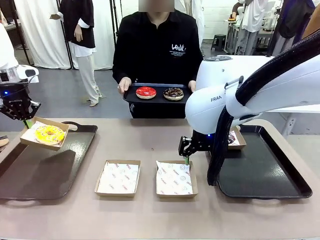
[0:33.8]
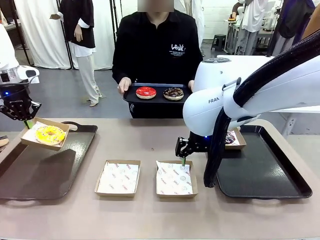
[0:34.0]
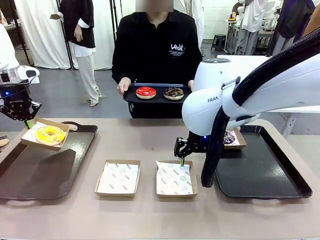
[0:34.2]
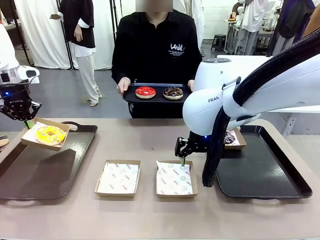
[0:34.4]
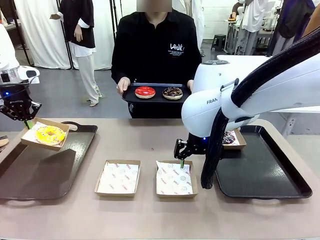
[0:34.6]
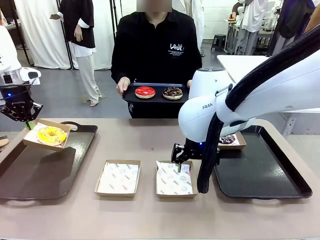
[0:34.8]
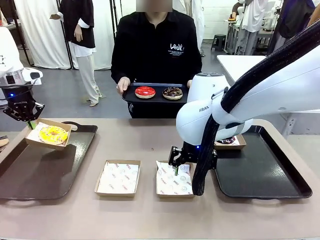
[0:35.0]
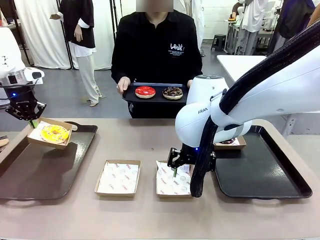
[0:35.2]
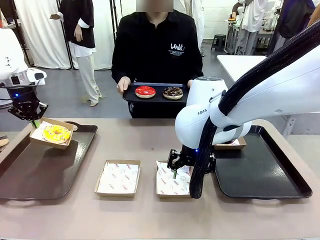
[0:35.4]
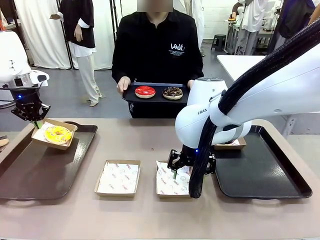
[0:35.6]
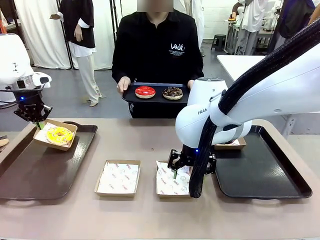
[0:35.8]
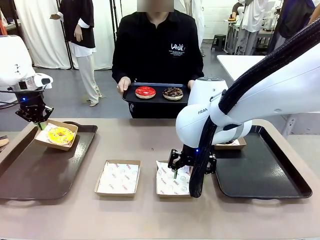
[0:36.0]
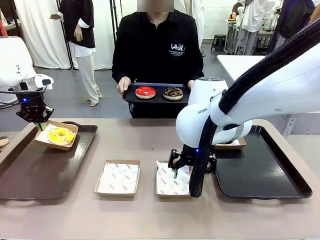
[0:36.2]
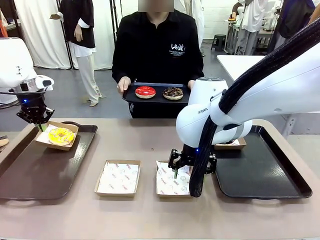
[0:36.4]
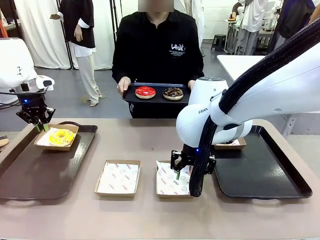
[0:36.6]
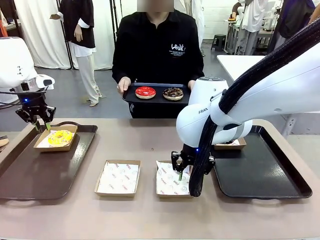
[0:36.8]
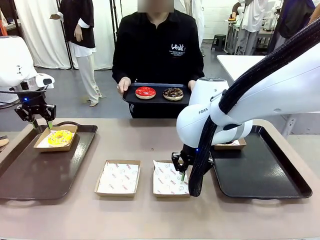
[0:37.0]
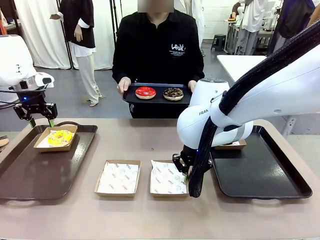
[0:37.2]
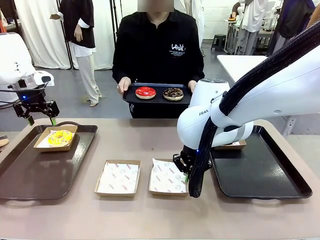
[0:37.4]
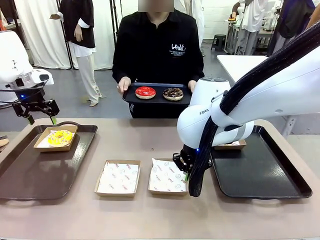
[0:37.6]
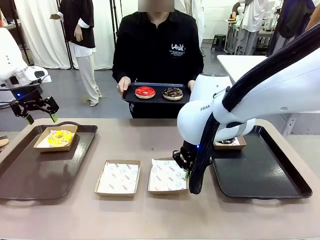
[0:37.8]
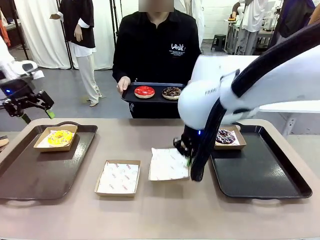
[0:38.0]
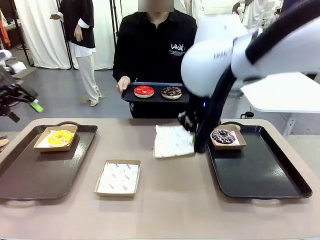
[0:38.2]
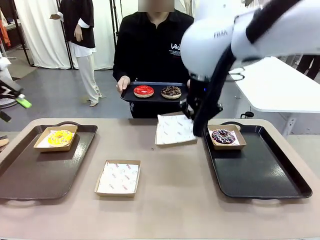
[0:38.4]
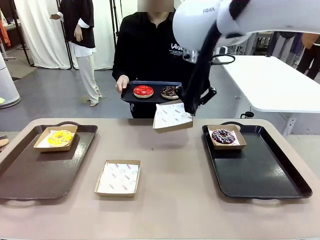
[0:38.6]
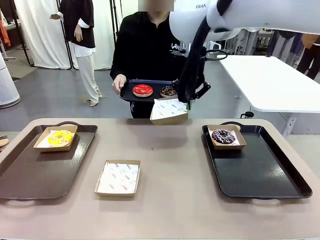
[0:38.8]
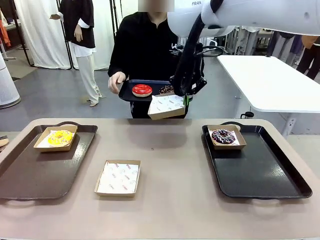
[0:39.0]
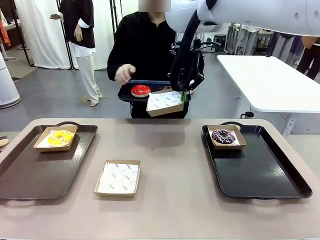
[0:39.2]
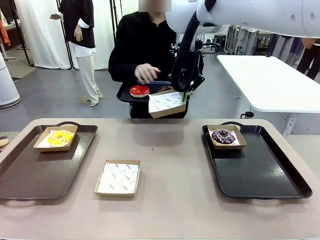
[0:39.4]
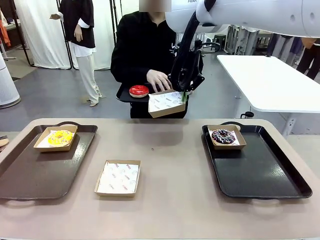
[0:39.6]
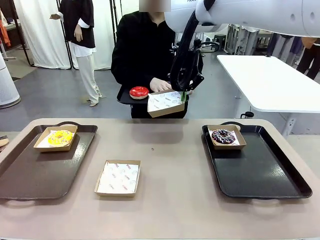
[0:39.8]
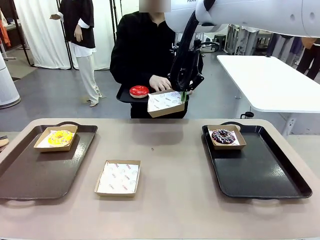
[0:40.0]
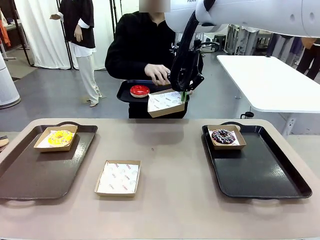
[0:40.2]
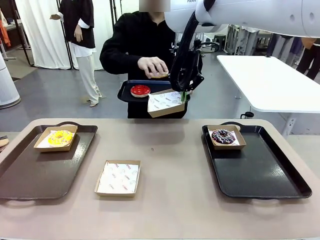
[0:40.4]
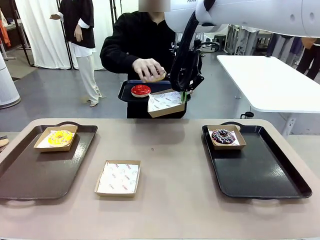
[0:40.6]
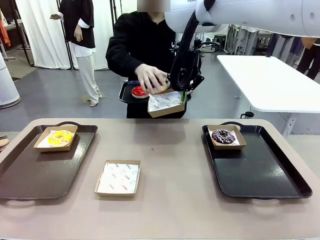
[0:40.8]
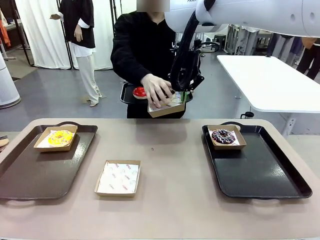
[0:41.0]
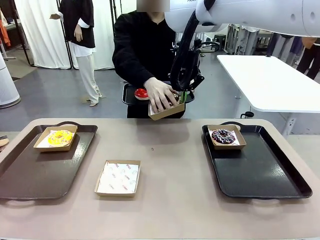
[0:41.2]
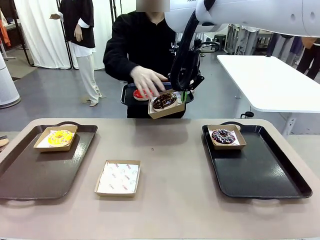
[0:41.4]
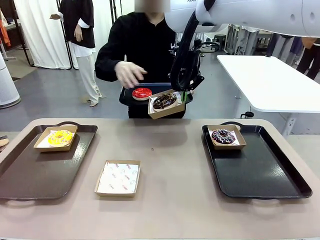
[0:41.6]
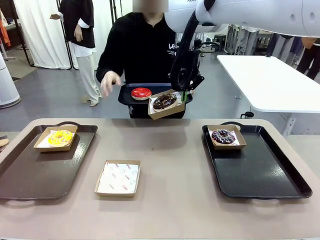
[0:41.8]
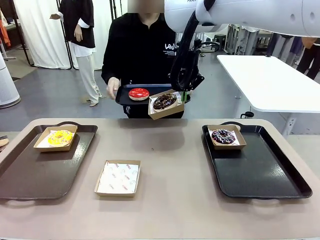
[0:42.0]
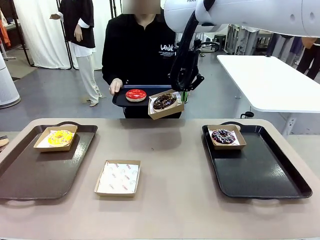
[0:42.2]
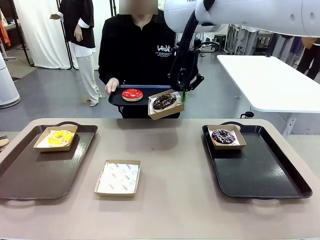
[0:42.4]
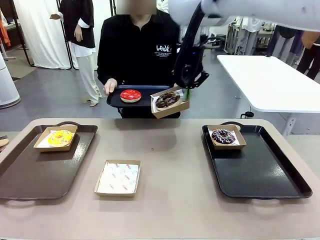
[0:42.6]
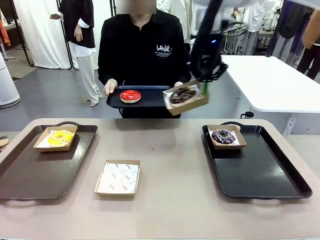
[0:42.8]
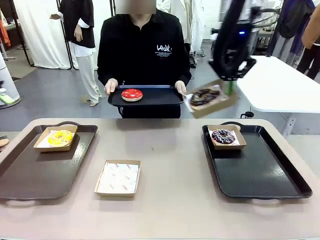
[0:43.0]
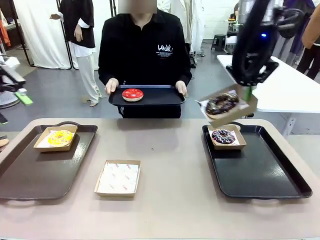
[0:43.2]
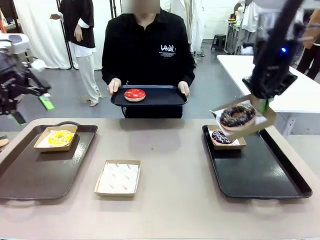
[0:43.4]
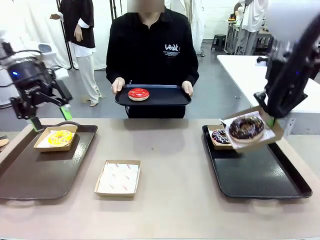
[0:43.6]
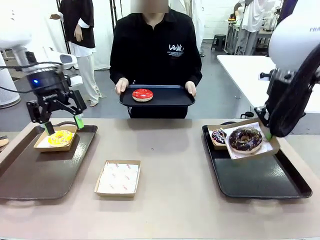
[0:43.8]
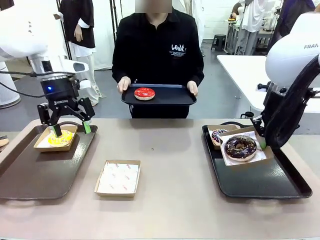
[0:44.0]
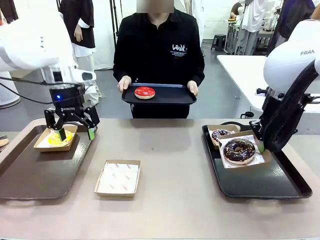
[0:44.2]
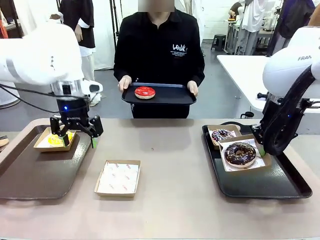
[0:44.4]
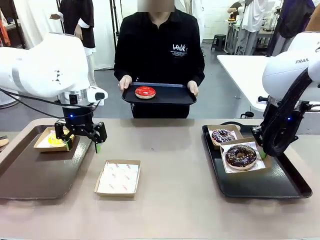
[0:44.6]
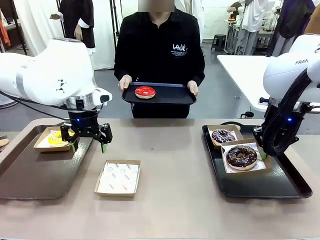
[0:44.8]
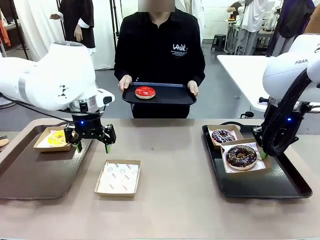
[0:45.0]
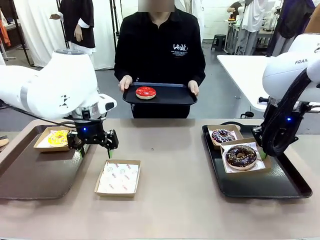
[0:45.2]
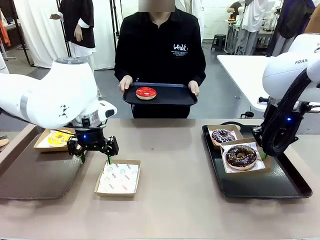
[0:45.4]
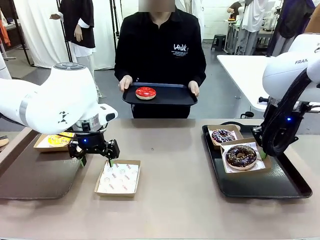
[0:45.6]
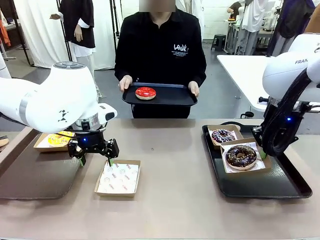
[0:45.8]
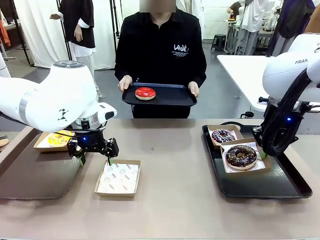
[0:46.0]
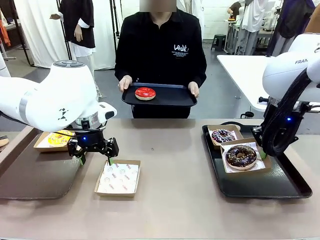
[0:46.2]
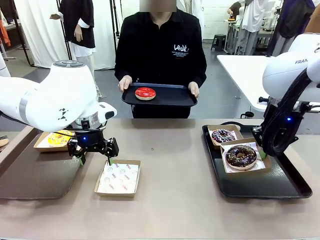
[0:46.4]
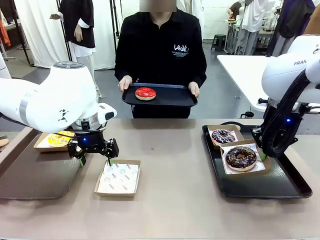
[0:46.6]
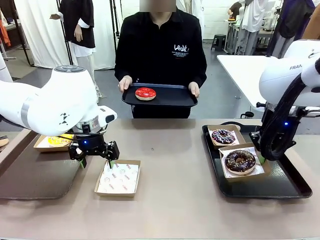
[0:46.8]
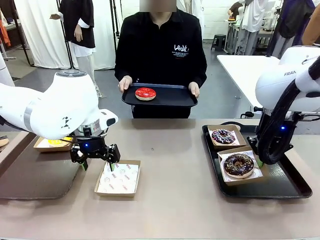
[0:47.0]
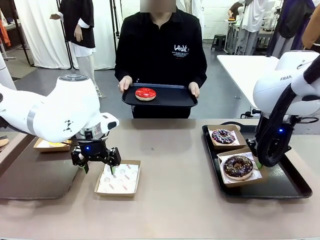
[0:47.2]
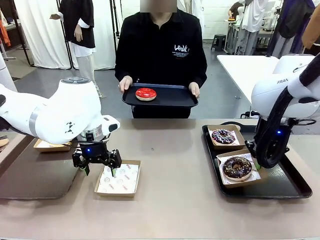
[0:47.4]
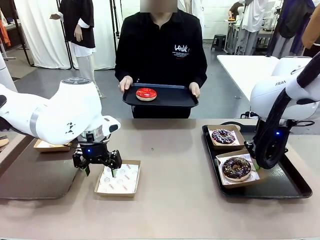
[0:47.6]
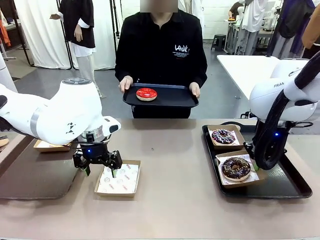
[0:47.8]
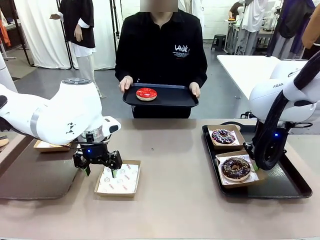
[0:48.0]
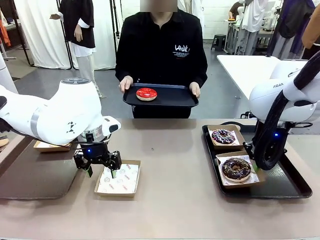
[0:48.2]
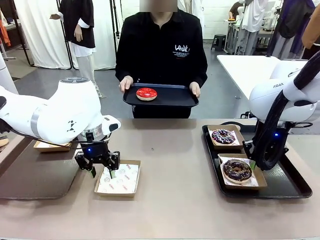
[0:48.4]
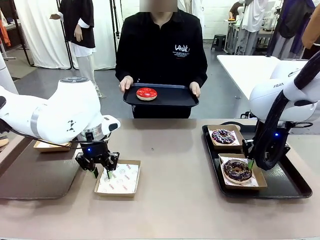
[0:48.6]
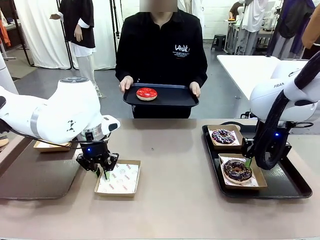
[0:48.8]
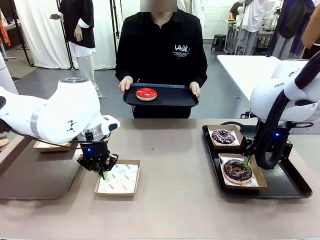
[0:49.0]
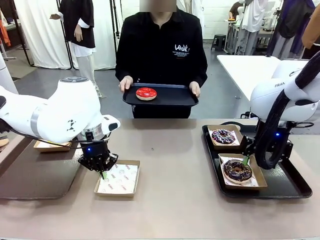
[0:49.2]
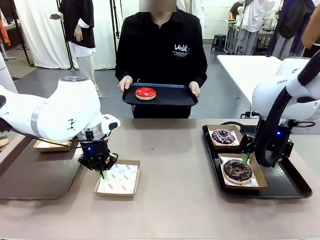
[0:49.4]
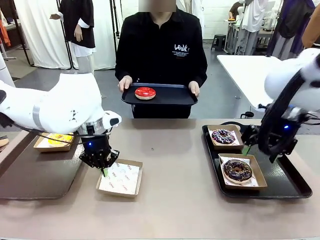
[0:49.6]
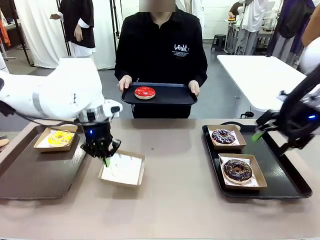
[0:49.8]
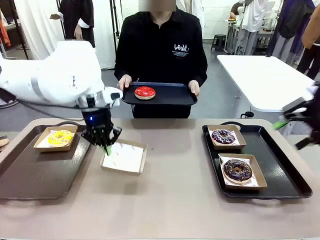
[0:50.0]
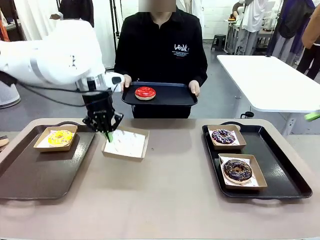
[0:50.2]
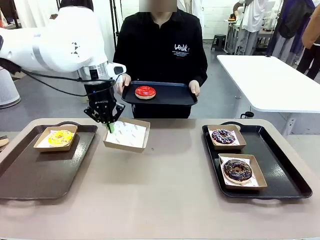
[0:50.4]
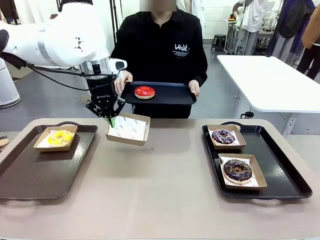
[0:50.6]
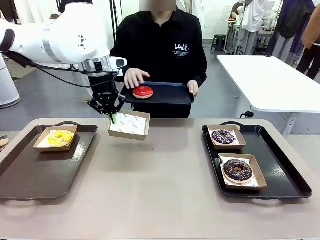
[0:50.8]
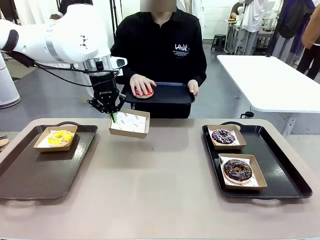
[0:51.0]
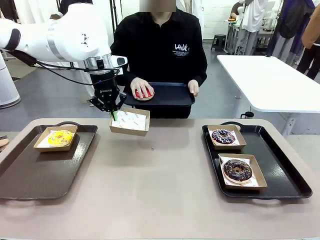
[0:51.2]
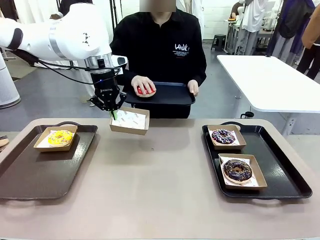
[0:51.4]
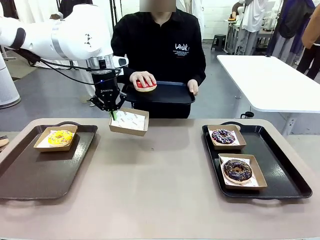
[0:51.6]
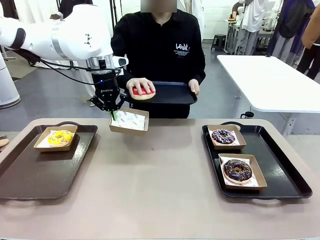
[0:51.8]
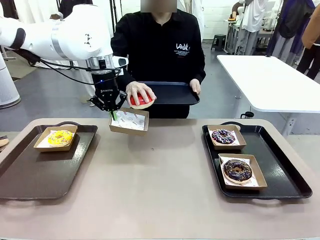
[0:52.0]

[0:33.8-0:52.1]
Task: Individually package the donuts and arrange them on the tray.
Robot: Place the picked Paper togo box on the Handle tray while simultaneously picking up another Paper togo box from the table with the other hand.

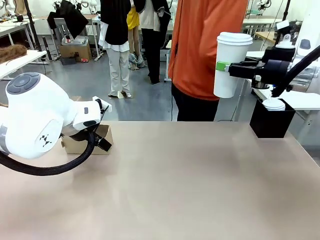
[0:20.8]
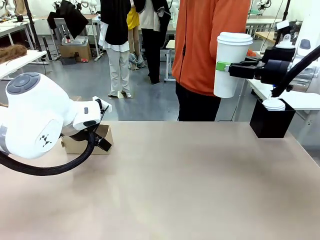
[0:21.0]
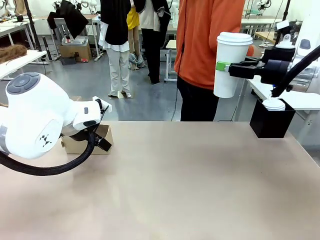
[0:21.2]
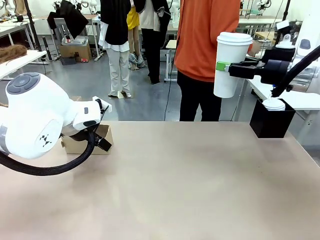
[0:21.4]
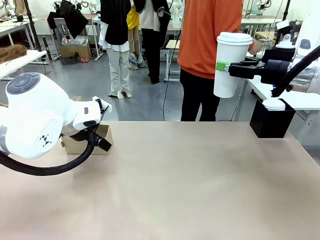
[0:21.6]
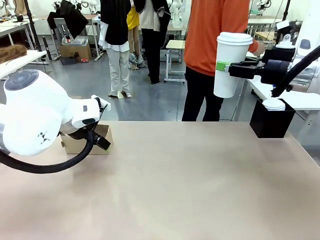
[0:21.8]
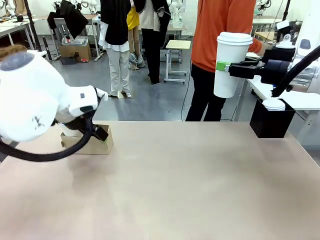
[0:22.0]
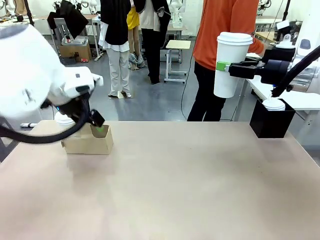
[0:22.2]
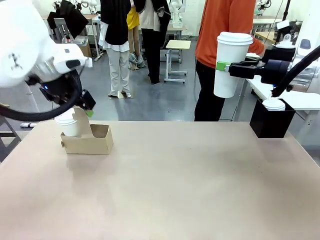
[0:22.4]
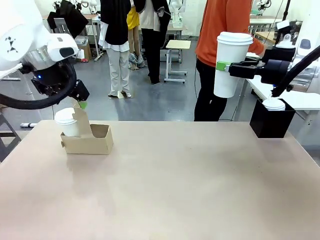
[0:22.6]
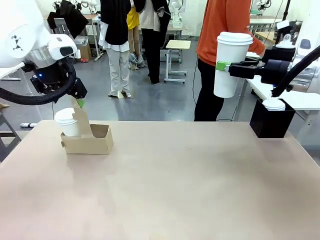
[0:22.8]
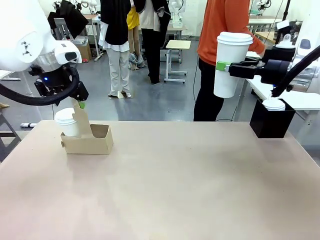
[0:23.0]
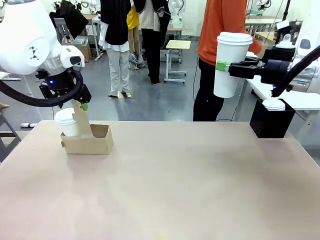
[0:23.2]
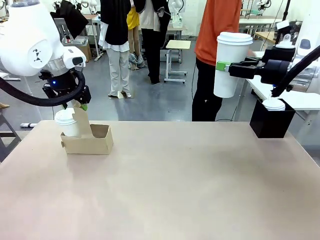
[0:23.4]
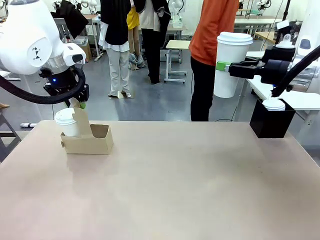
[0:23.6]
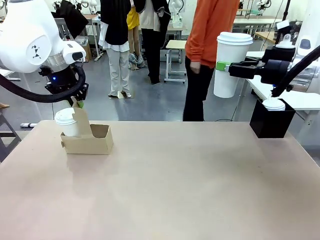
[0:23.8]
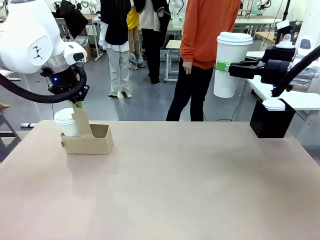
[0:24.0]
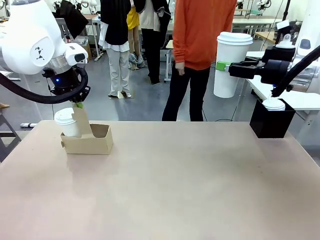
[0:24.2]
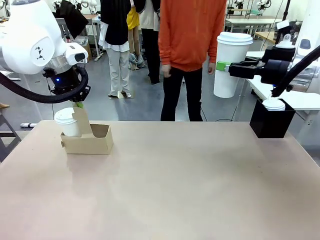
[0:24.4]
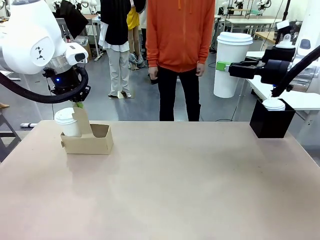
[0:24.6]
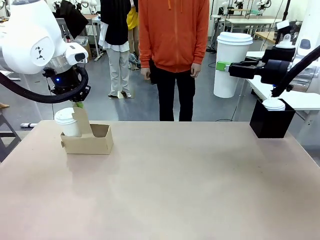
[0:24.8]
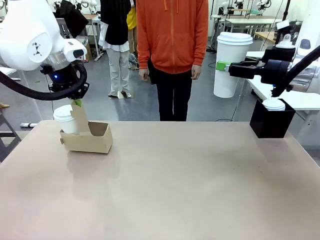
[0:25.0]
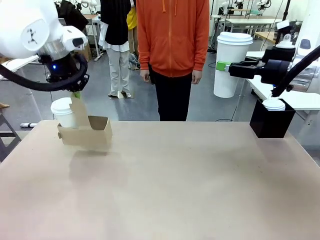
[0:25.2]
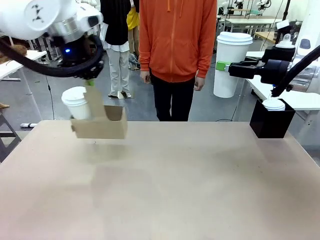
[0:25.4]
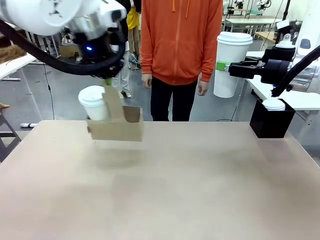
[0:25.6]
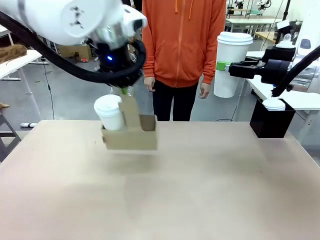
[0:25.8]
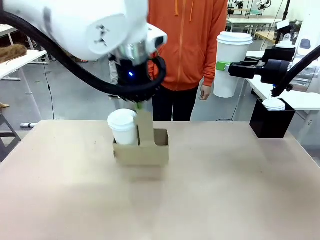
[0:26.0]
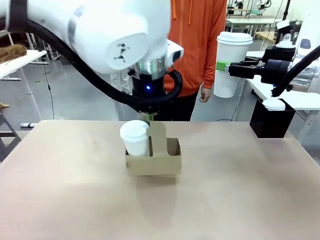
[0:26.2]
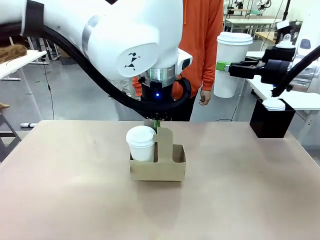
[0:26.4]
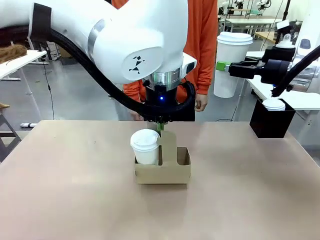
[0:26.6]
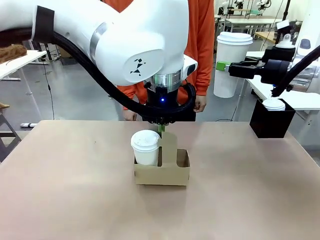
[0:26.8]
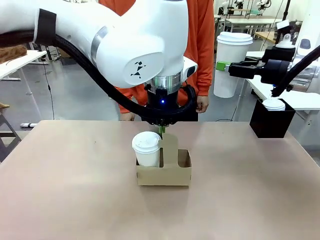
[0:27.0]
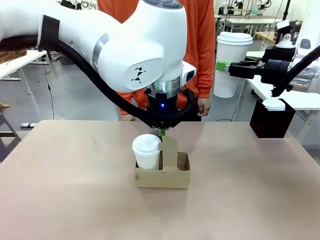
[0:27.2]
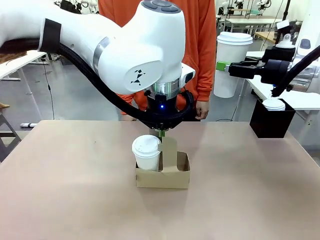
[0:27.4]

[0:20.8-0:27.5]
Task: Pour a drink into a cup and package it in a carrier.
Robot: Position the Cup Carrier in the center of the table.
Person: Pick up the Filter Brewing and place on the middle of Human table, and return to the Robot table.
